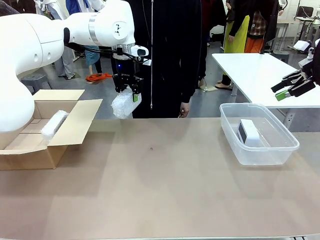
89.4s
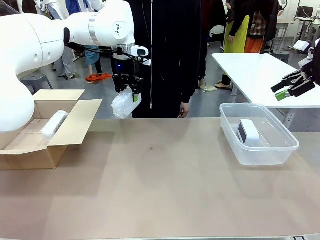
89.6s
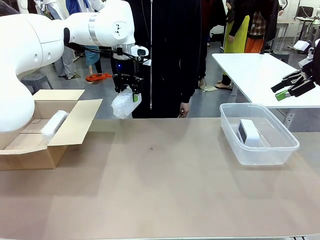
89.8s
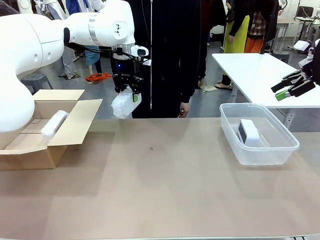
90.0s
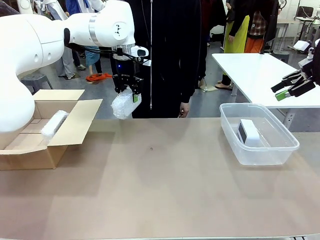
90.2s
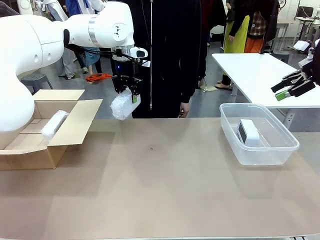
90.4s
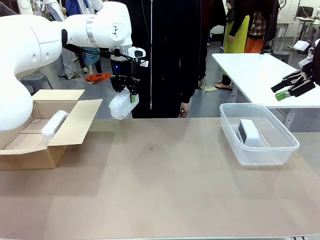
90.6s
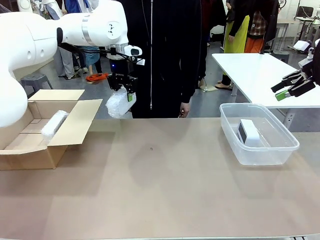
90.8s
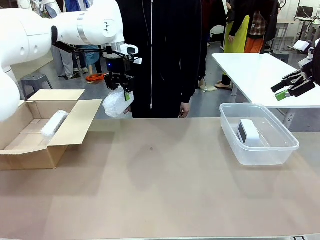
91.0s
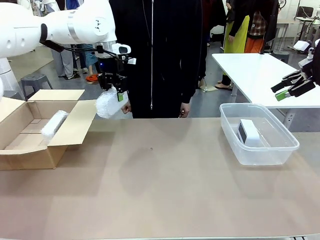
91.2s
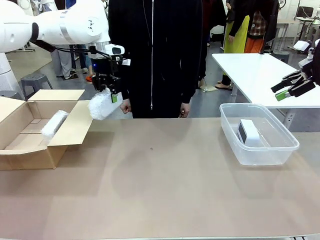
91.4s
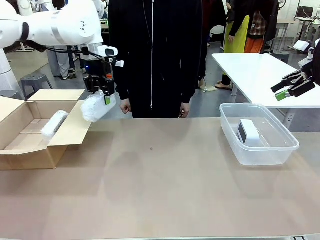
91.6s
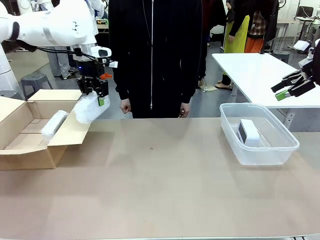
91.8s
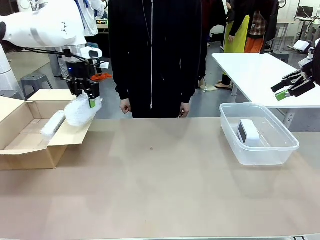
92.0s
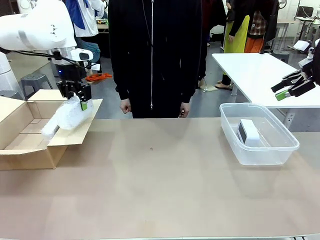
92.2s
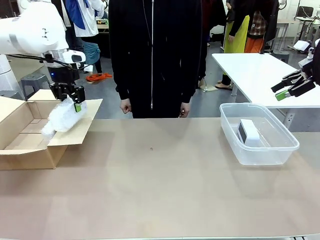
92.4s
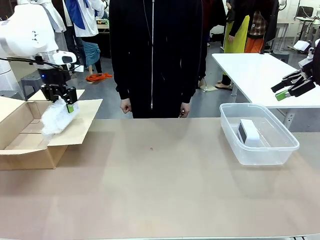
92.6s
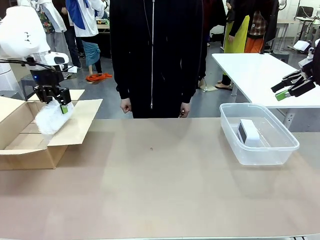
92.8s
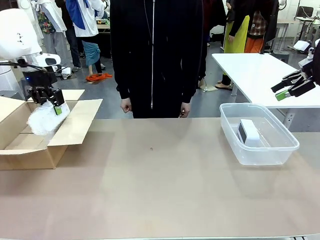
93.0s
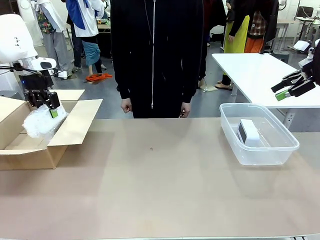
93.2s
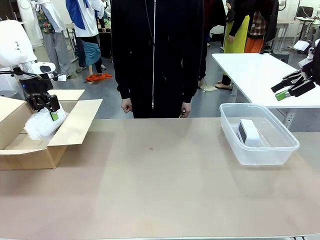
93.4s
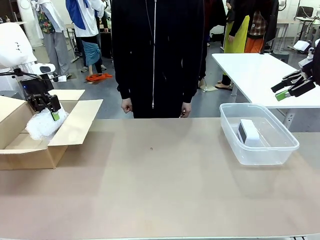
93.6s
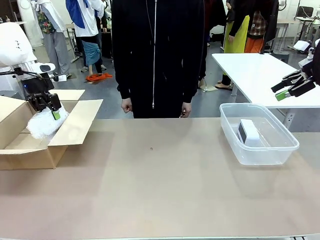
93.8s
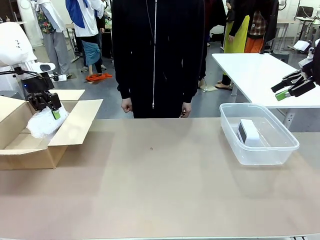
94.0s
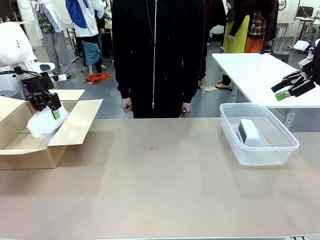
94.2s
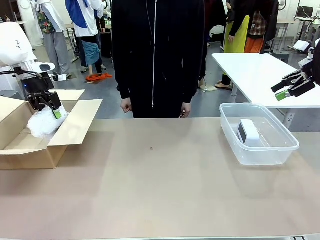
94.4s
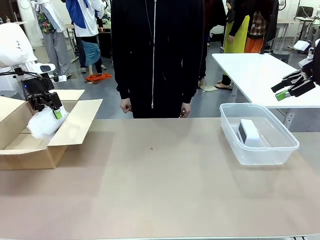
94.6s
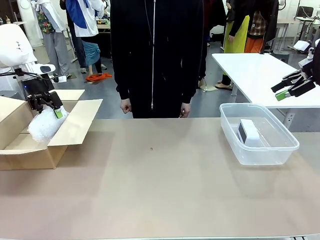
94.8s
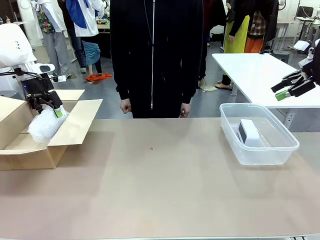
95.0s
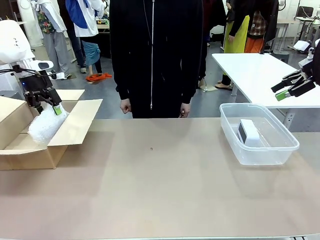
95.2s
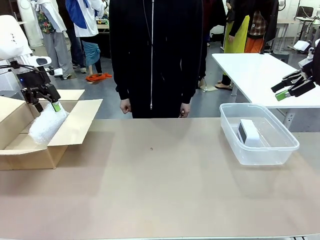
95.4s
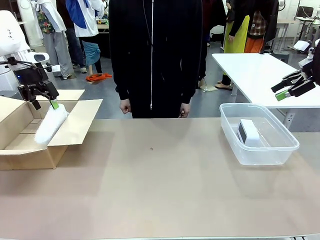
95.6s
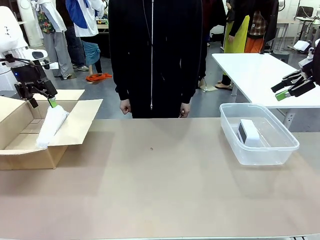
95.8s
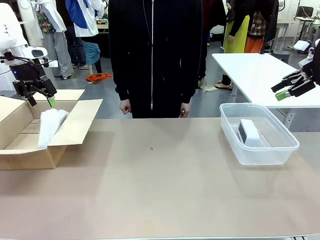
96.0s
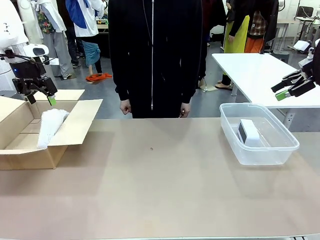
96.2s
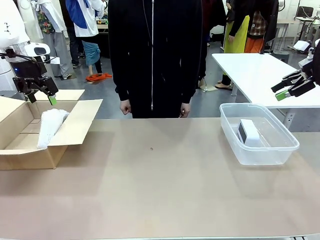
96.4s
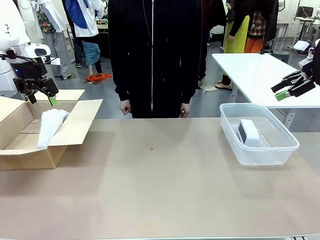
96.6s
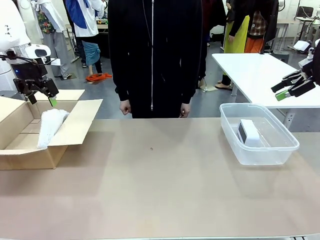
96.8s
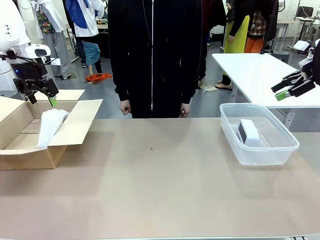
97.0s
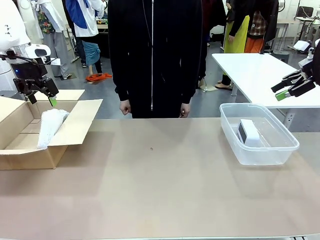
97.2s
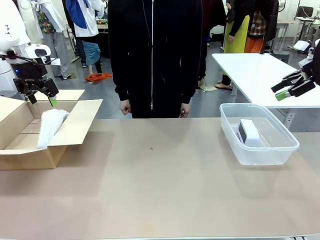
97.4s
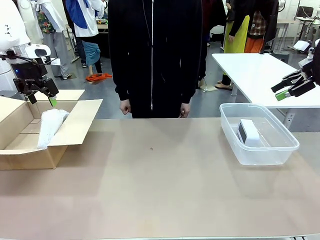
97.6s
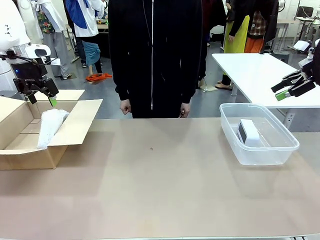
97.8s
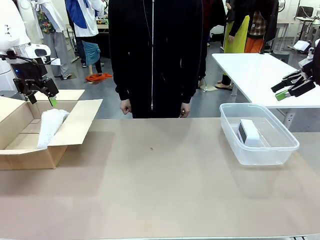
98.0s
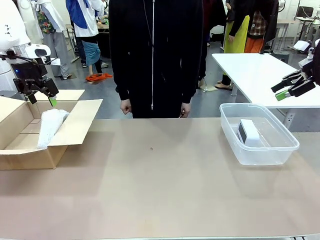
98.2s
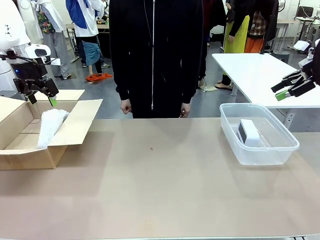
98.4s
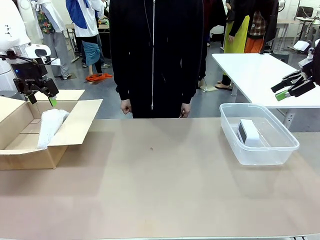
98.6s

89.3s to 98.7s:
Task: Separate and place wrapped and unwrapped clocks.
Robot: If the picked Digital clock is wrapped, place it in the Package Box ; if not, place it in the Organizing box.

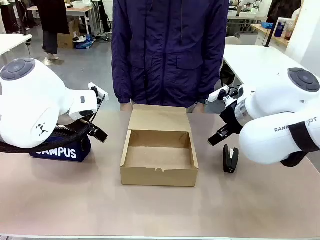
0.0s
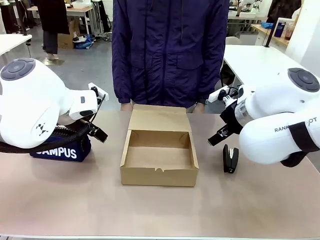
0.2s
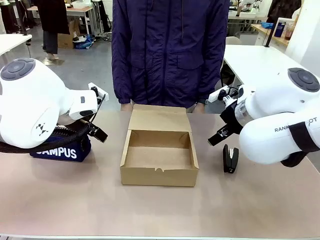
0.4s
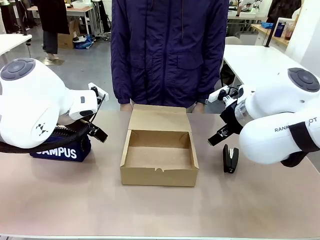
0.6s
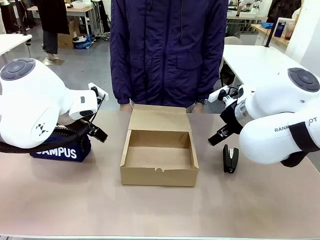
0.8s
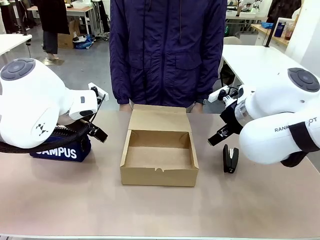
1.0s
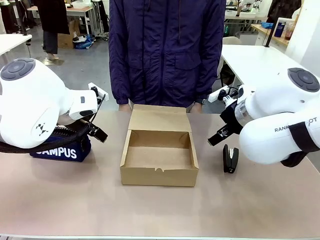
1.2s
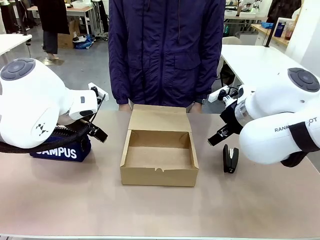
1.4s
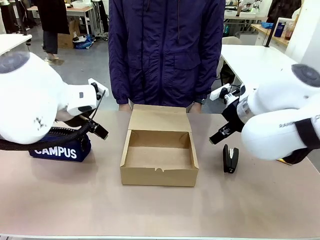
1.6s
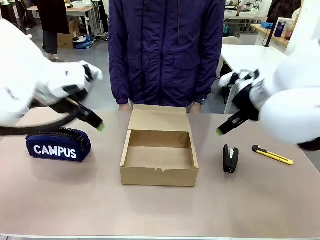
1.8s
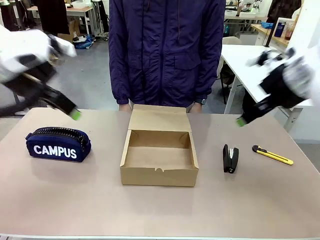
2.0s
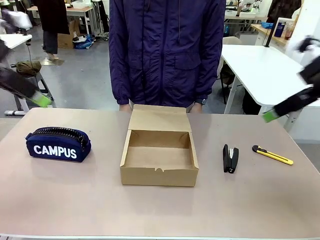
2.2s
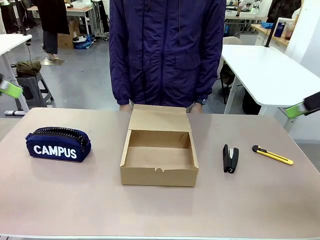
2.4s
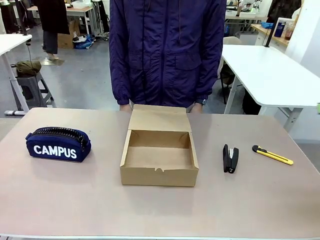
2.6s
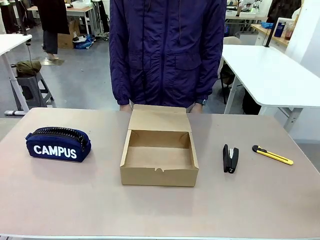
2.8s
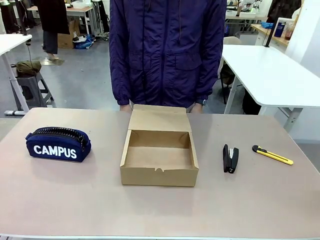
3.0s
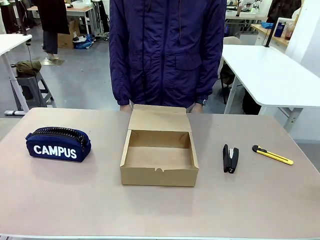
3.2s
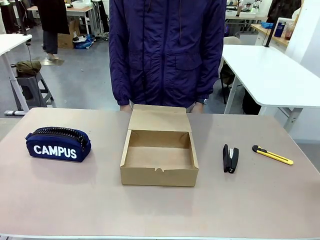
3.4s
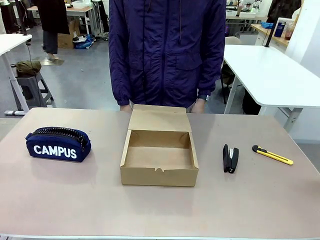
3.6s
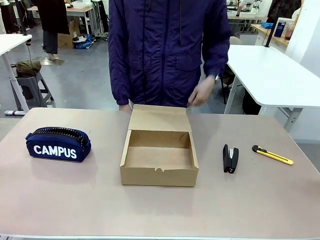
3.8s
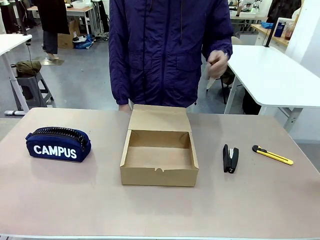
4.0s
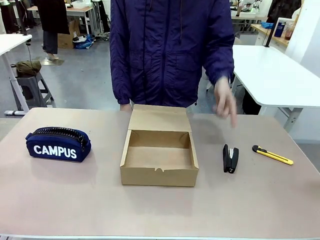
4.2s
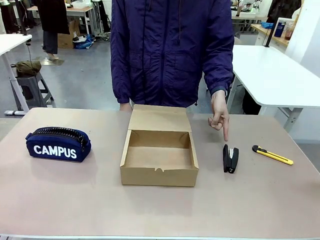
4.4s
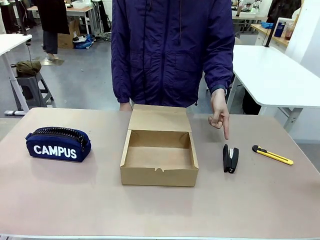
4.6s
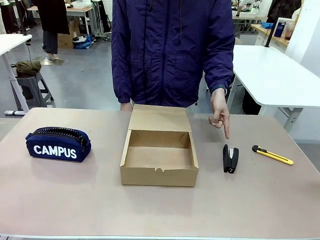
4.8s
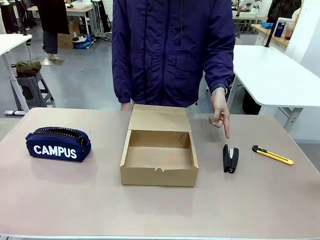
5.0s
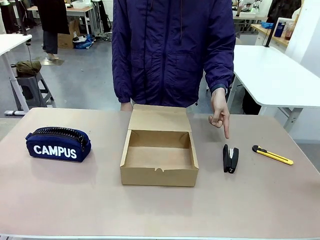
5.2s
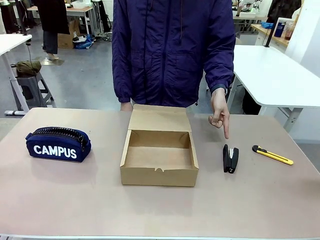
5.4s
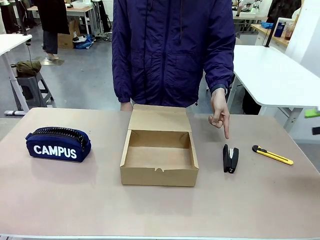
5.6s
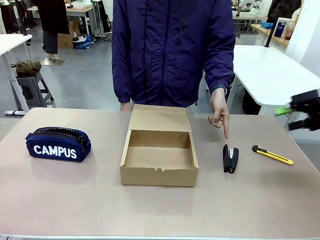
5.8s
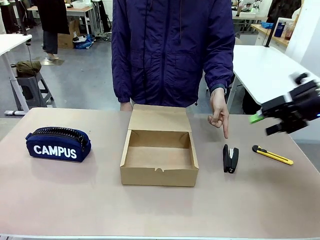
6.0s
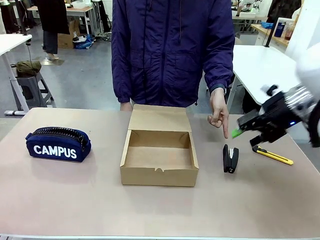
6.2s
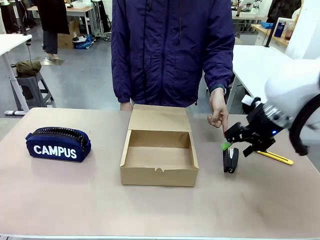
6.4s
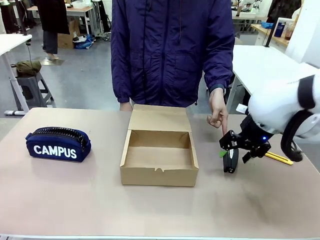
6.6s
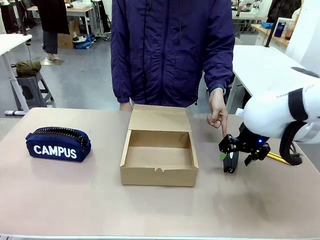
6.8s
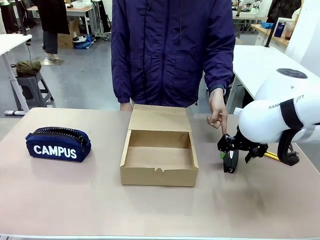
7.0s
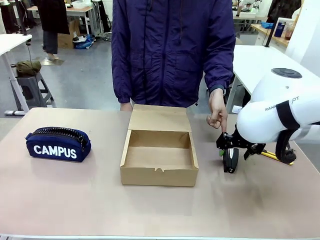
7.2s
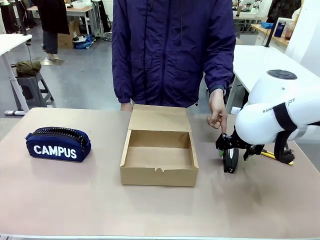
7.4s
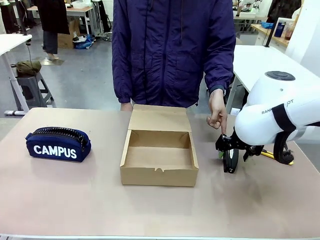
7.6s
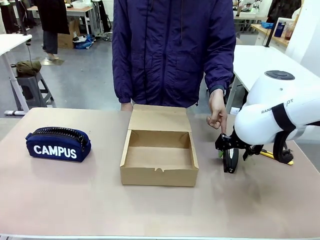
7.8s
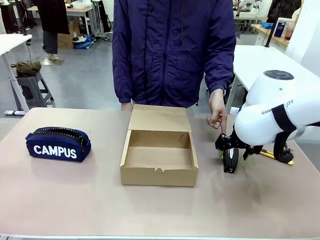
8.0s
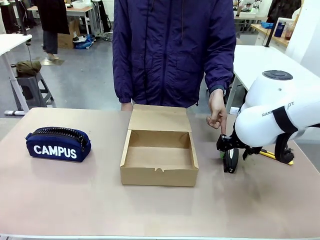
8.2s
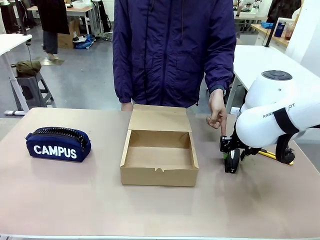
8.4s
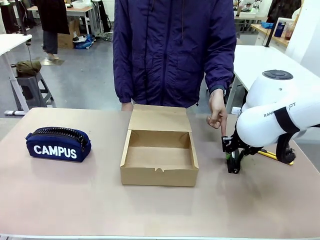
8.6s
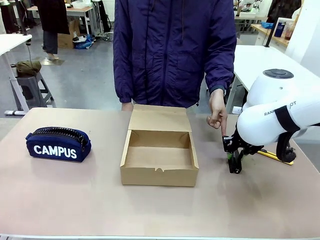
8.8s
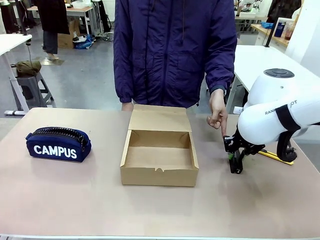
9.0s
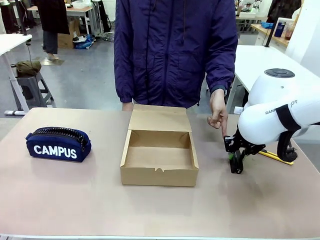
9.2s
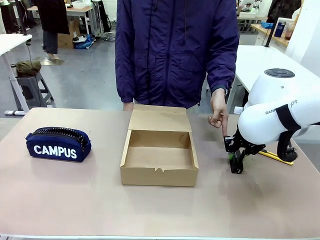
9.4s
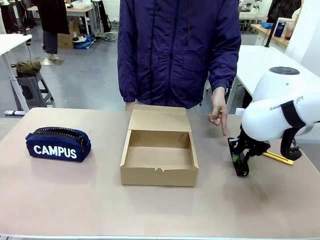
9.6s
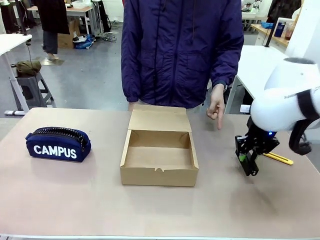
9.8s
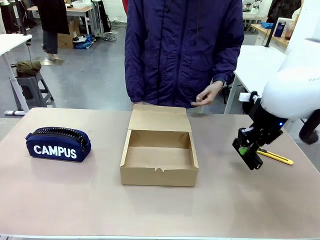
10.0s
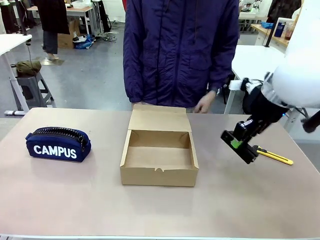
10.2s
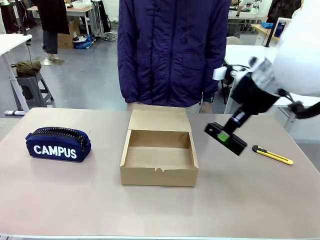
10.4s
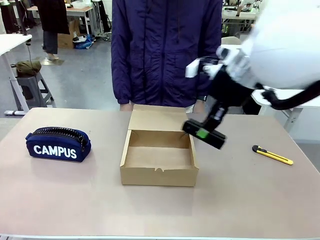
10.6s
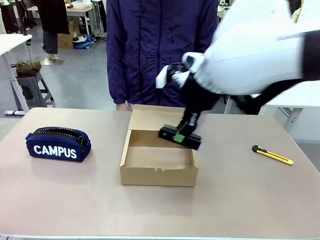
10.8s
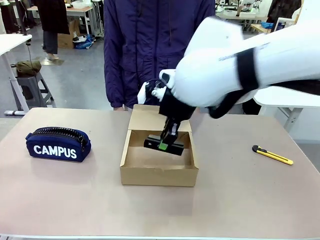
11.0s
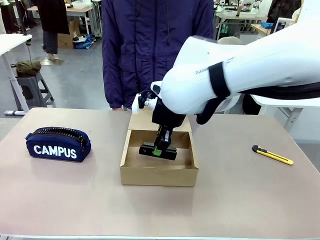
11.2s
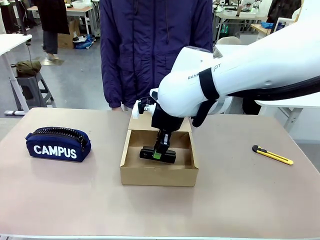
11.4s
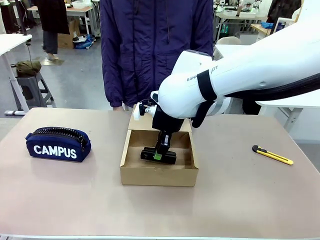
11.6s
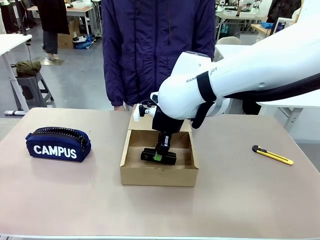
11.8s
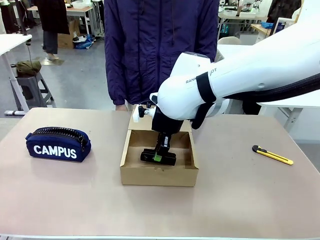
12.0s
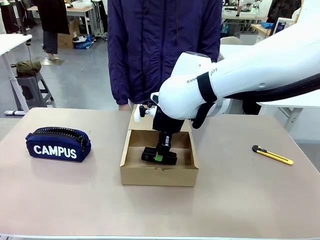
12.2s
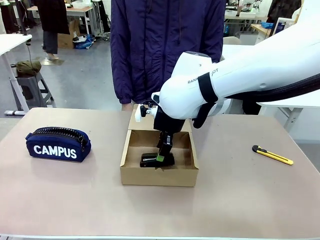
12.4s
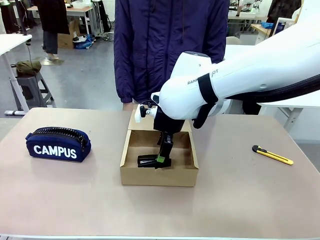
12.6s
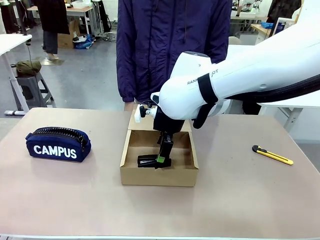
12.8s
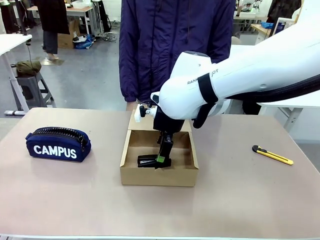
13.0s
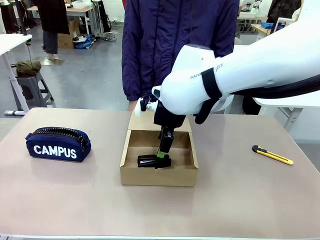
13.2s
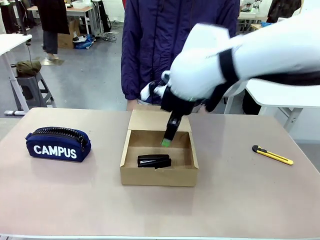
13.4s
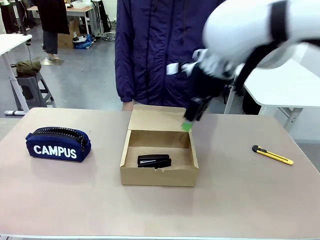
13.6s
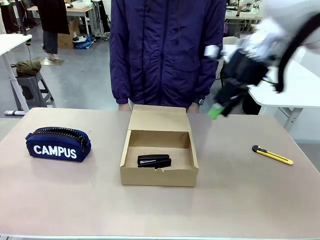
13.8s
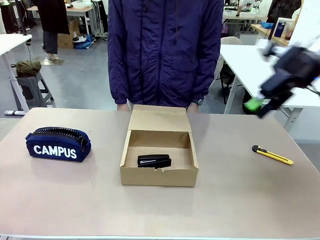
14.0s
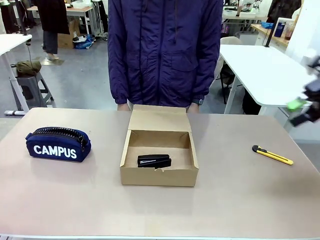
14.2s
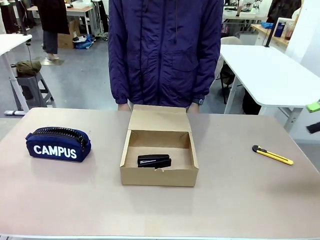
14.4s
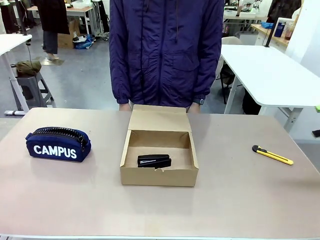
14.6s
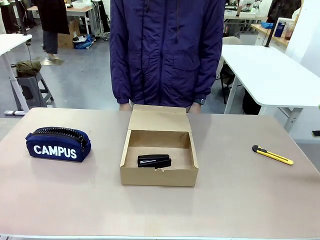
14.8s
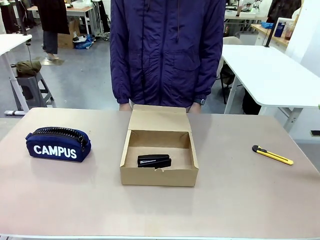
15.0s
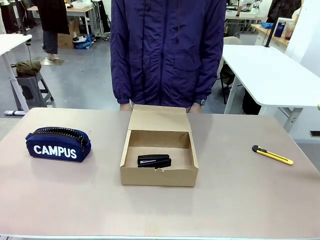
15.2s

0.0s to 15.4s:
Task: Pack the item into the box.
Robot: Pick up the item indicated by the person and place it inside the Mailer Box.
Person: Point at one item on the table (excluding the box).
